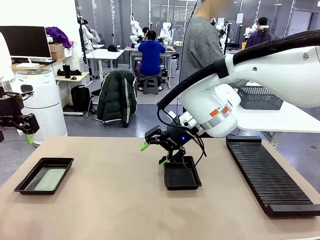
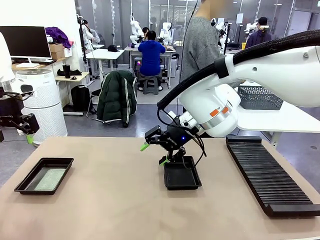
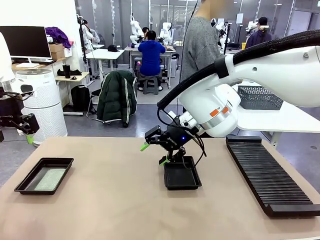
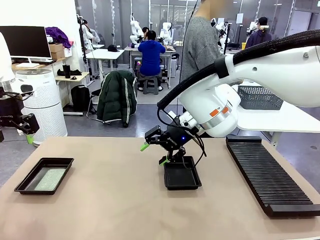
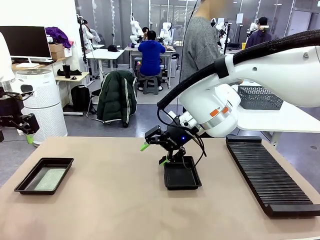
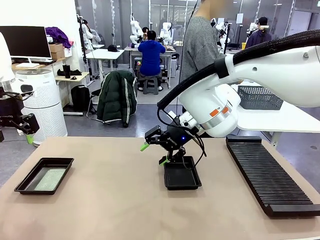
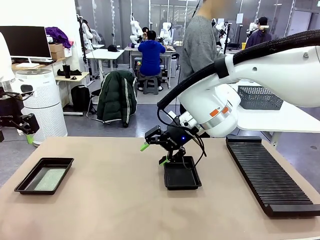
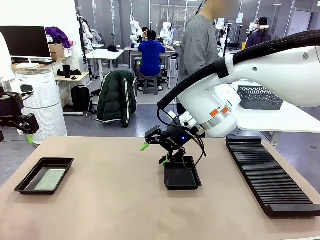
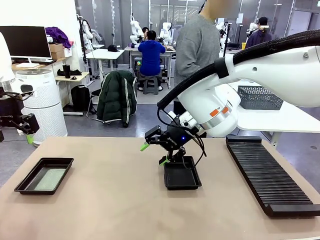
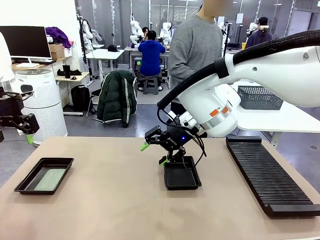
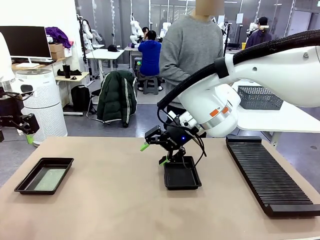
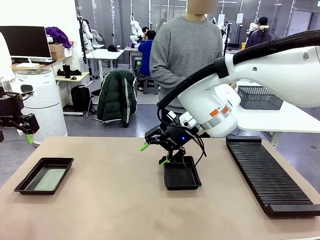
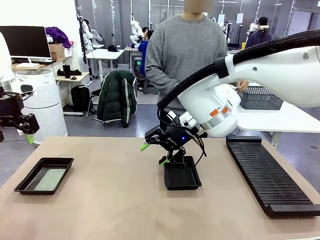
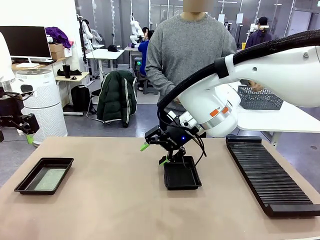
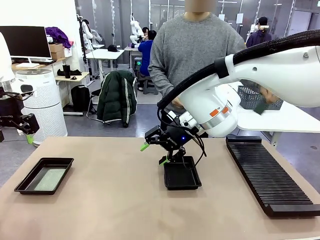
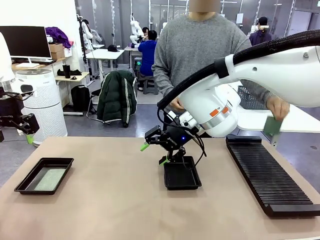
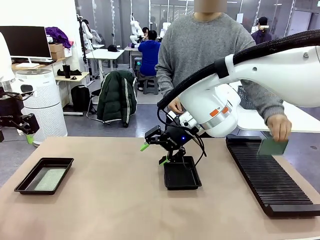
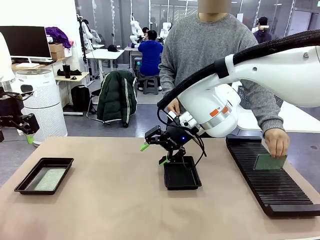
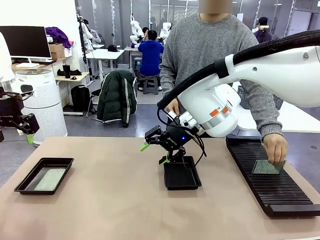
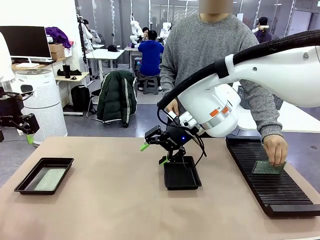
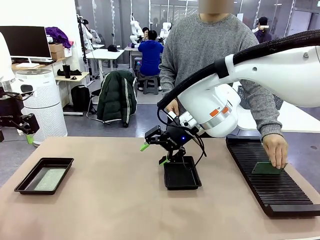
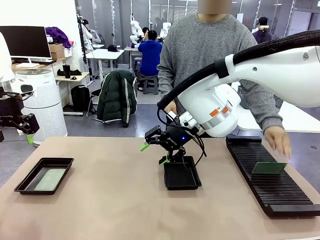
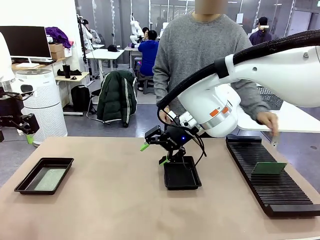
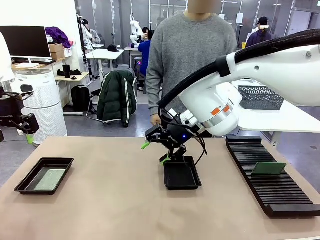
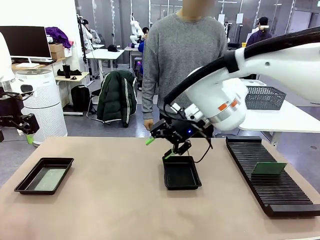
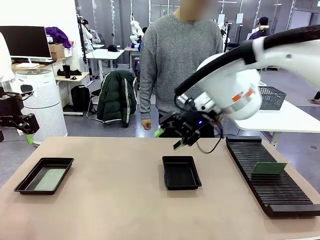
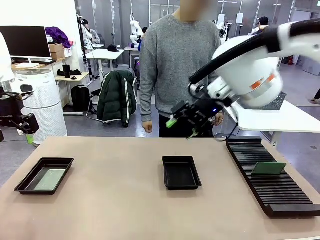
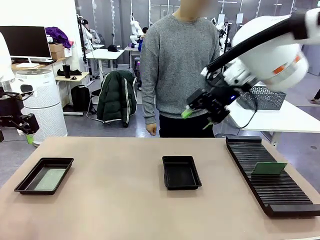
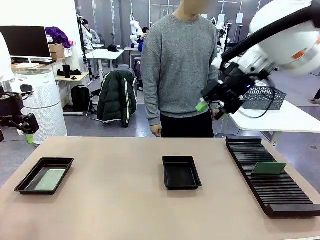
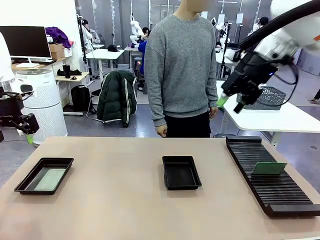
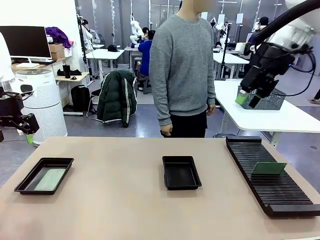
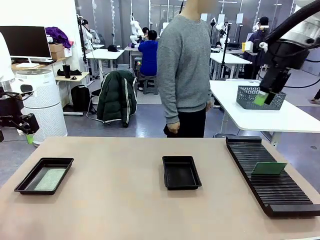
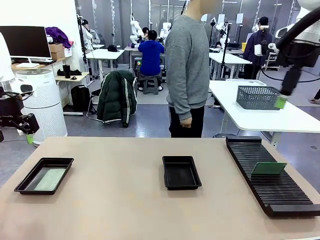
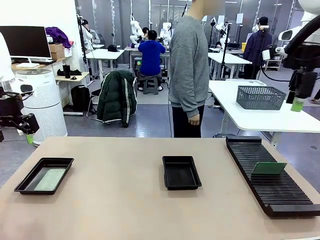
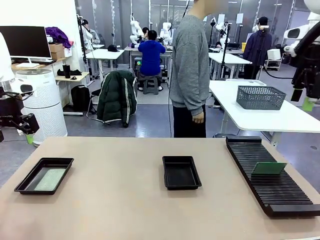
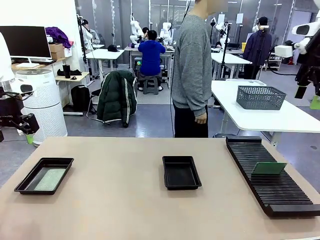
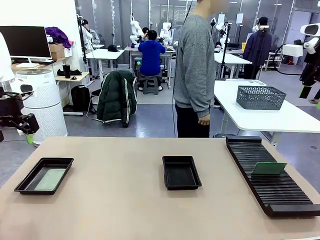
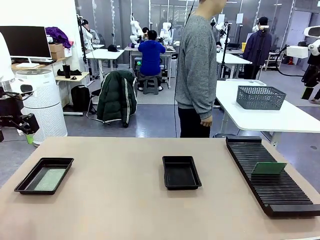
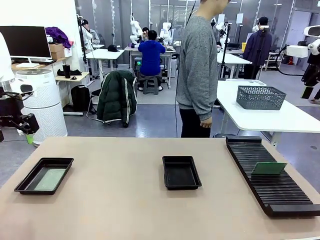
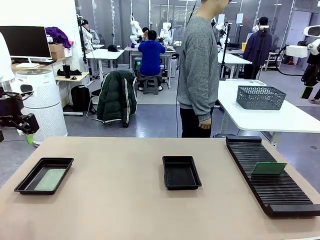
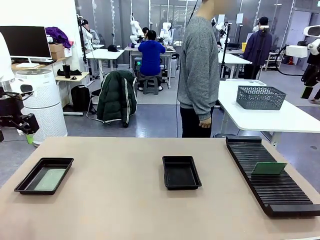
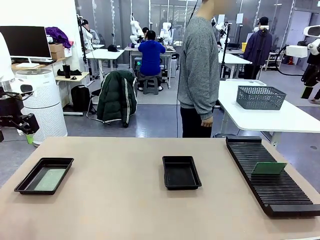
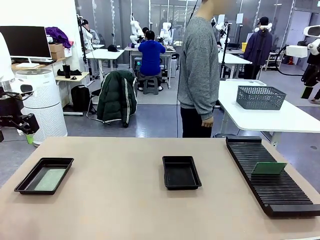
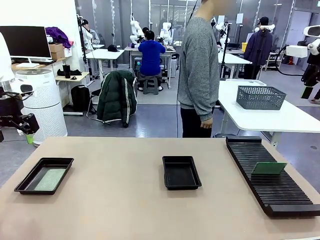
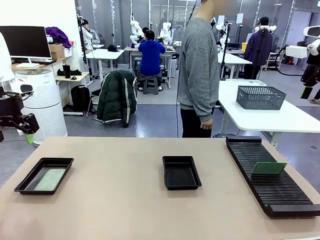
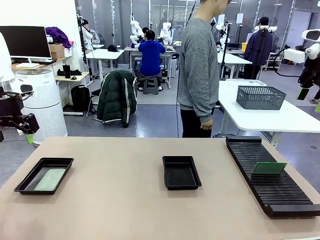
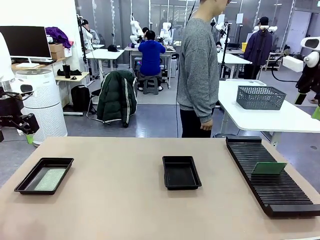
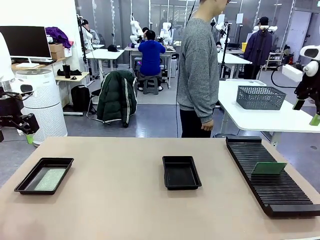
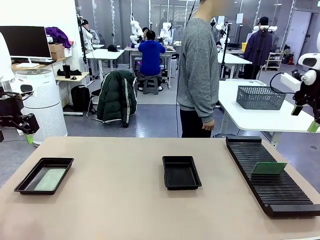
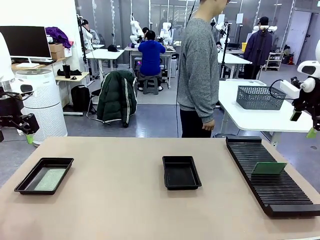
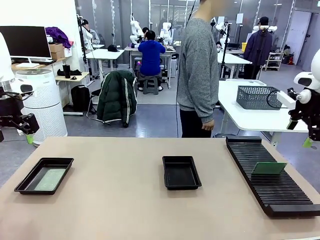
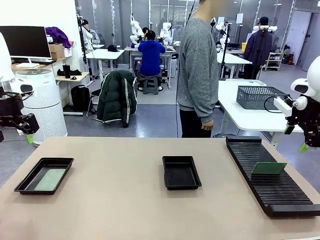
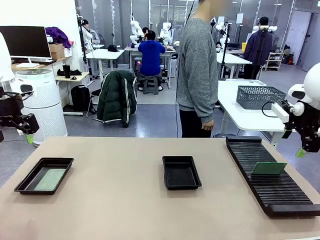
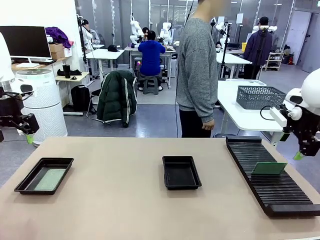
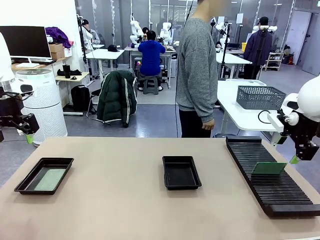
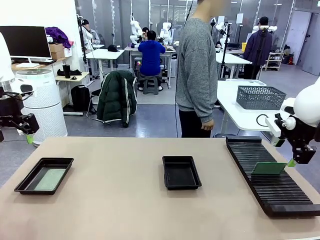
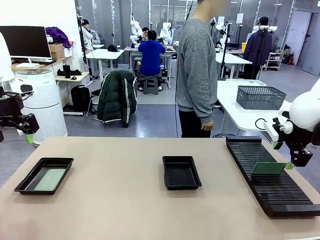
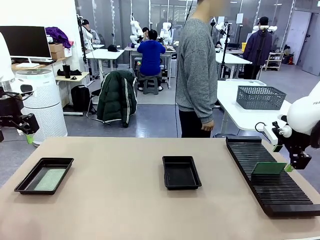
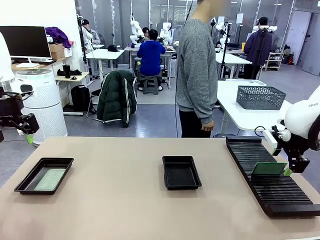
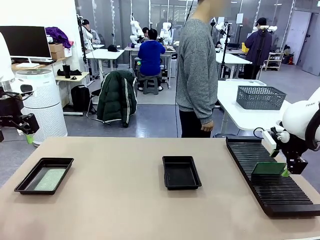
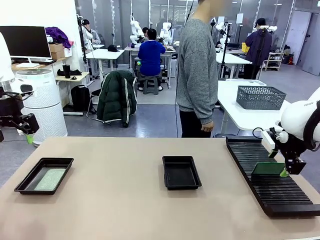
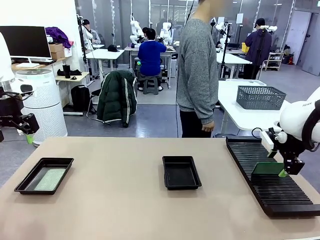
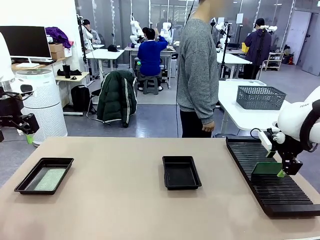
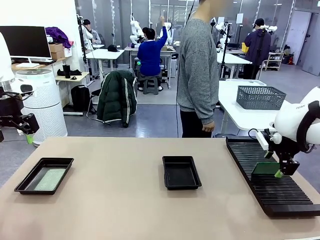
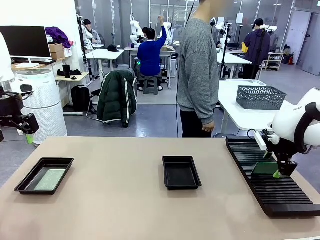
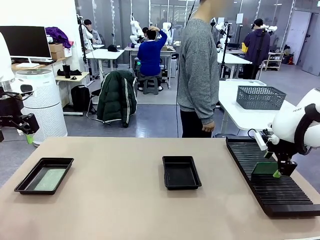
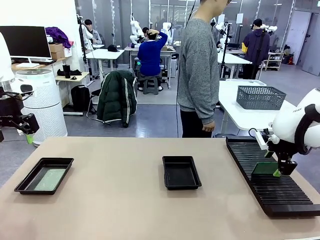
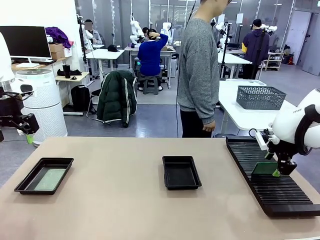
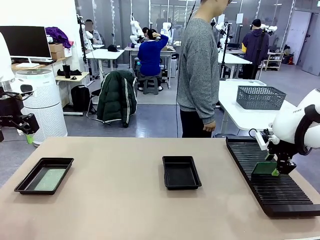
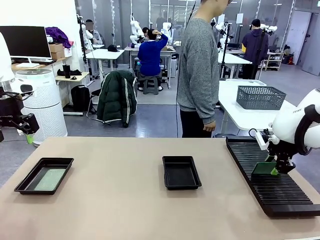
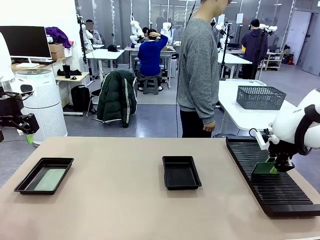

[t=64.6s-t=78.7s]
Task: Inspect and transfer BCBs to ESD trays.
Robot: Pick up the Blank PCB from the PCB Rack and place it in the right ESD tray.

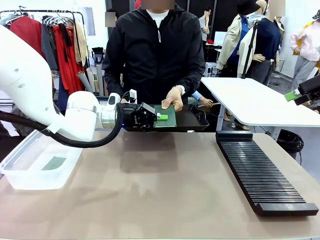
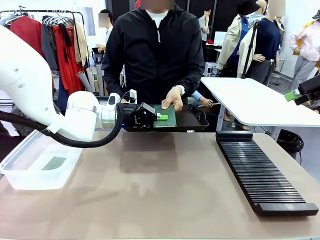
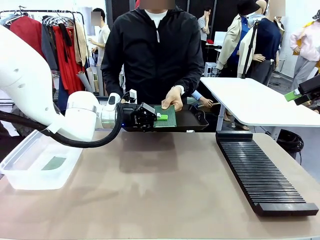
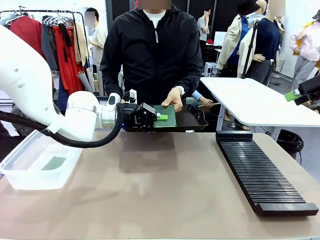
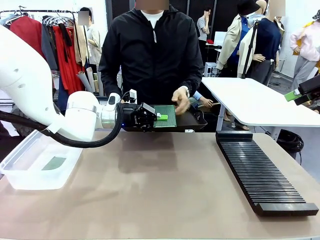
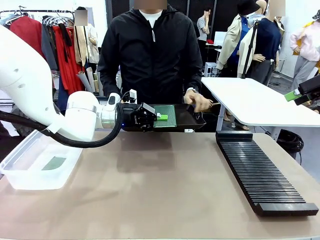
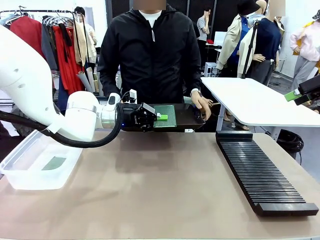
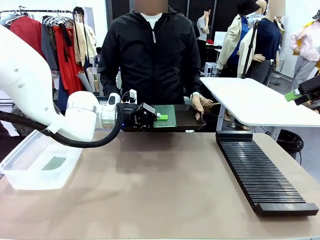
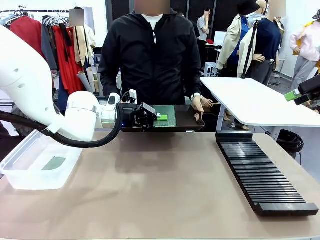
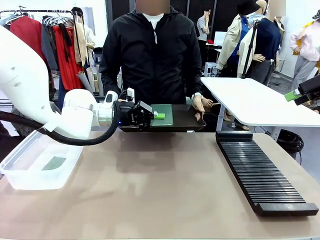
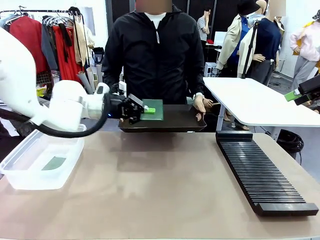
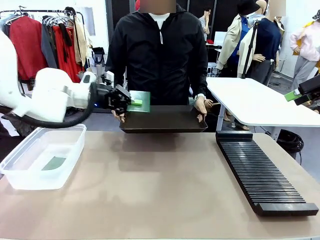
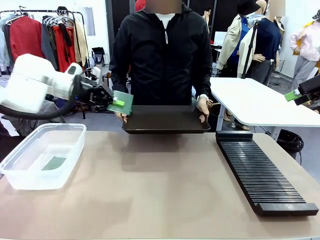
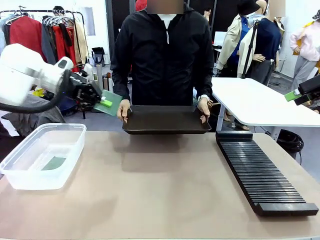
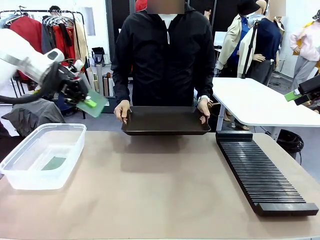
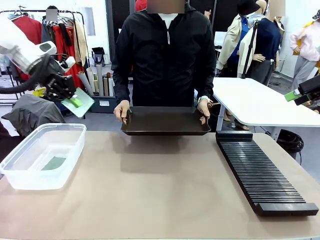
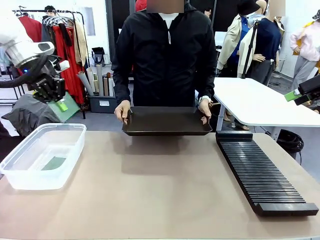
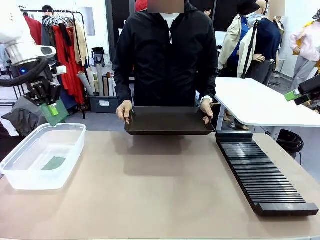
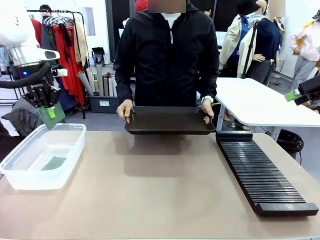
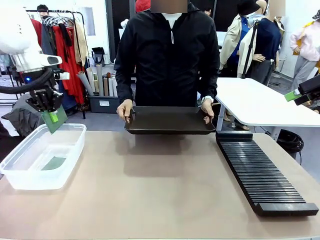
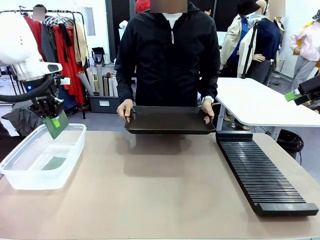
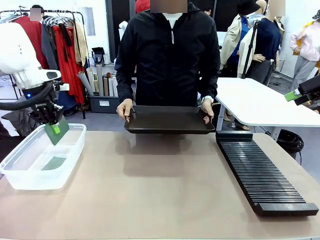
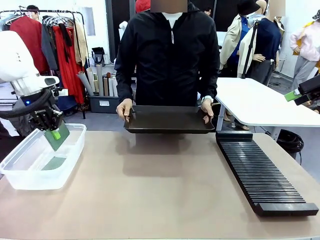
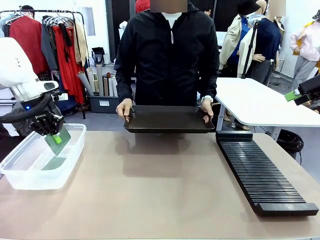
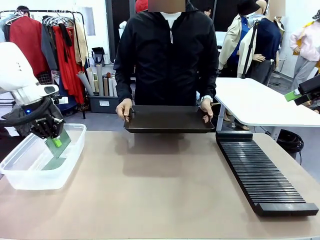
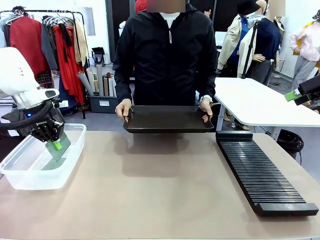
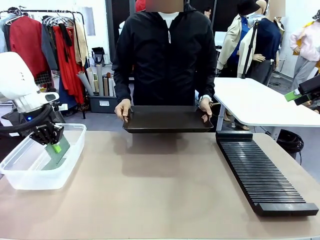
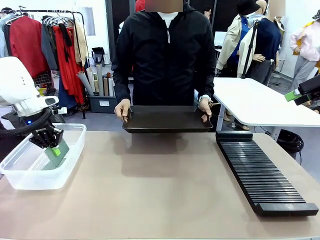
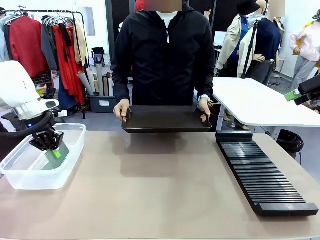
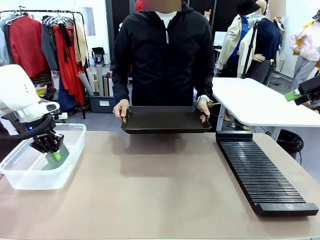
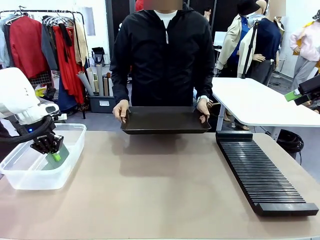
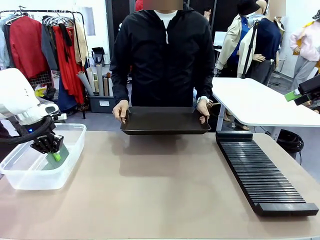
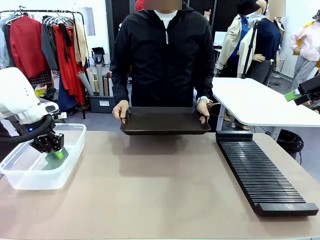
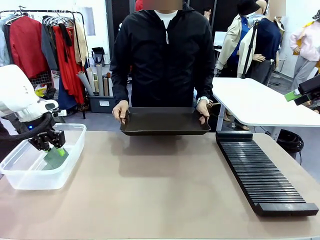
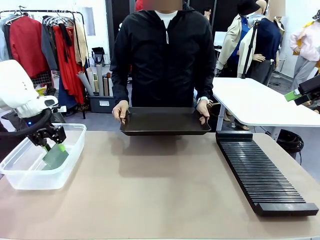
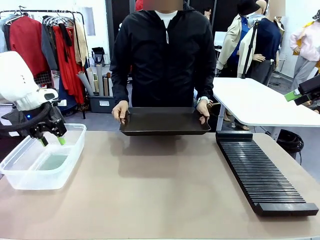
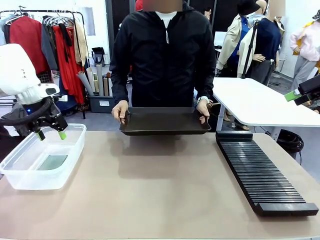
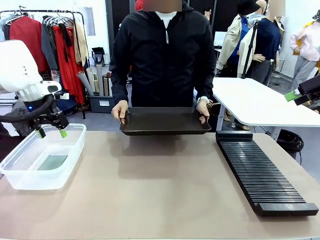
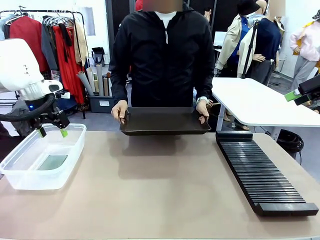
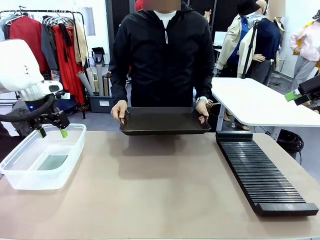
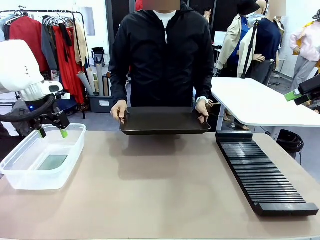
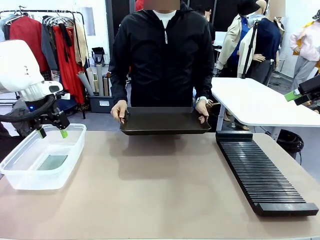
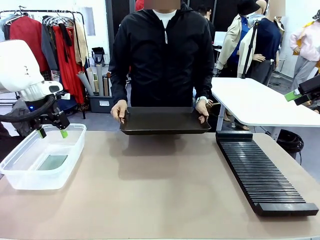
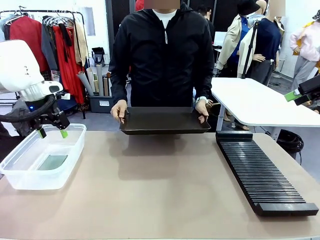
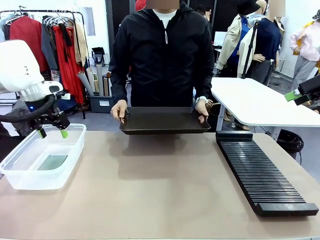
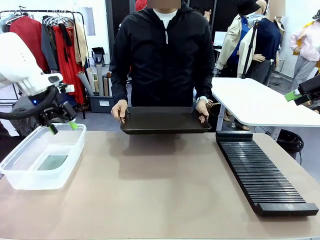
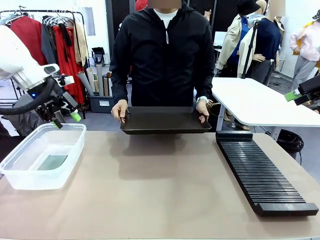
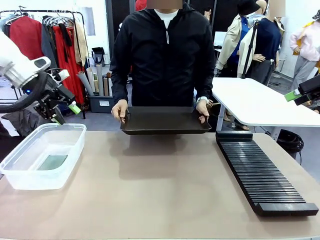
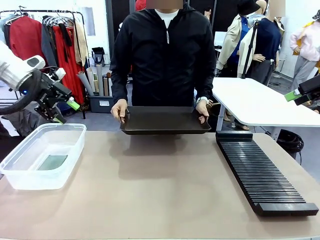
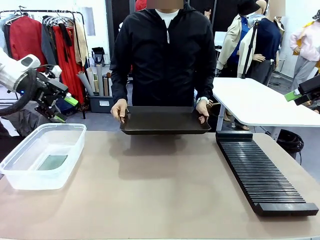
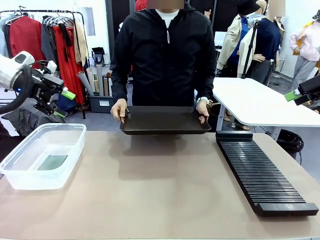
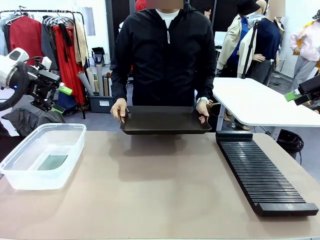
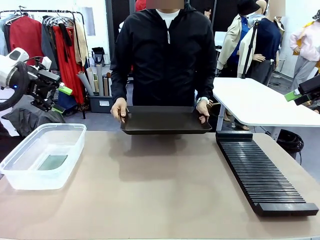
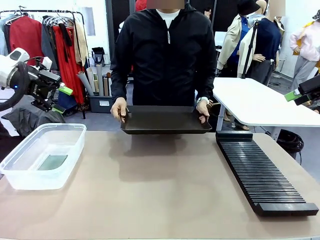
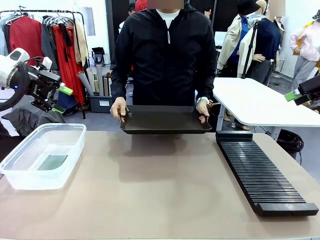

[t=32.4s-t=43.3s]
Task: Sort PCBs into racks and boxes based on the side picked up.
Robot: If the short side of the Blank PCB is picked up, insert it into the PCB Rack ; if the long side is picked up, place it in the Organizing box.
Person: Release the PCB being held.
